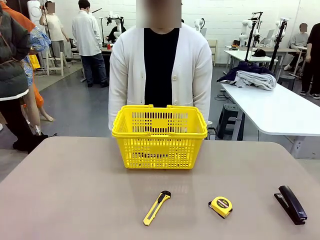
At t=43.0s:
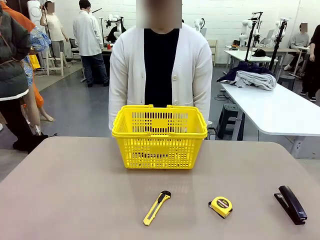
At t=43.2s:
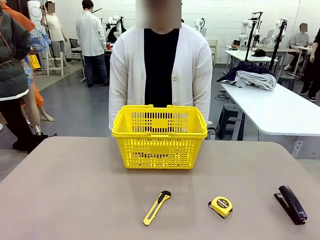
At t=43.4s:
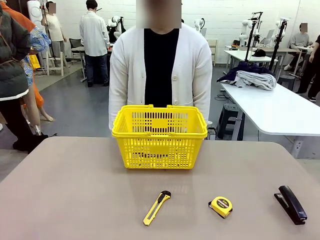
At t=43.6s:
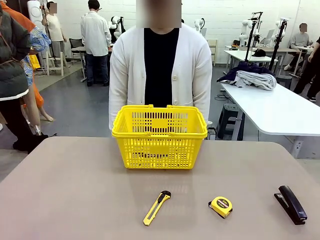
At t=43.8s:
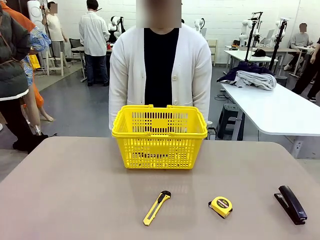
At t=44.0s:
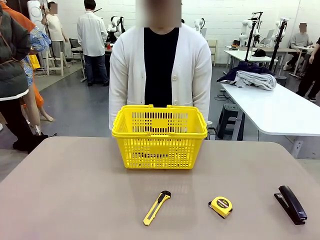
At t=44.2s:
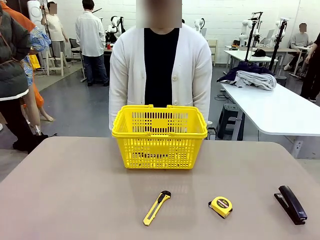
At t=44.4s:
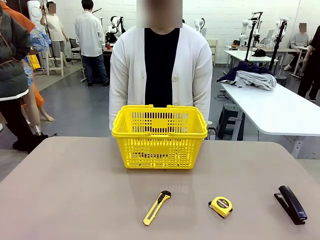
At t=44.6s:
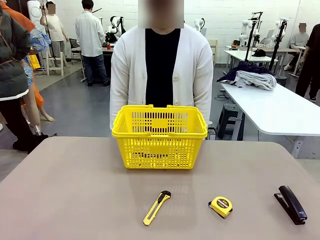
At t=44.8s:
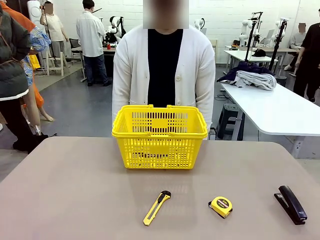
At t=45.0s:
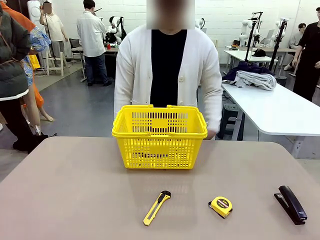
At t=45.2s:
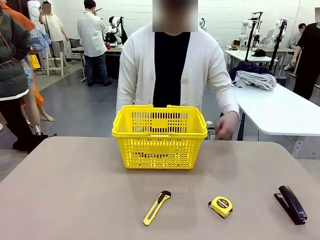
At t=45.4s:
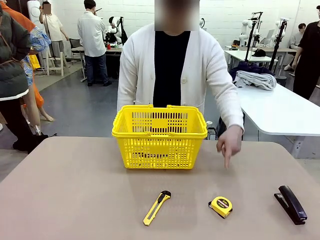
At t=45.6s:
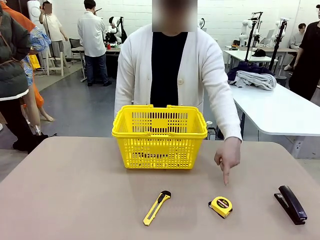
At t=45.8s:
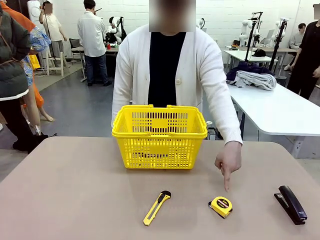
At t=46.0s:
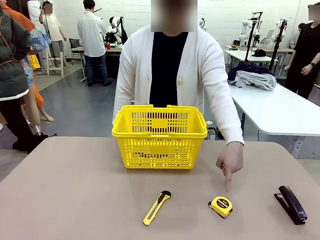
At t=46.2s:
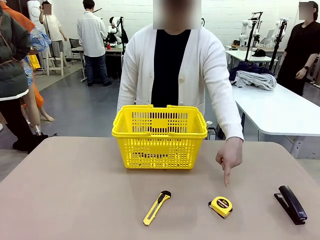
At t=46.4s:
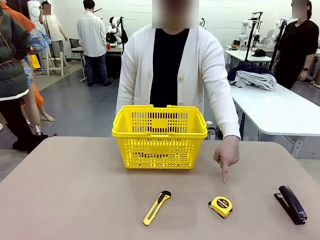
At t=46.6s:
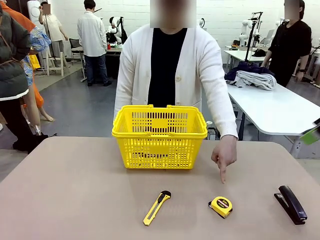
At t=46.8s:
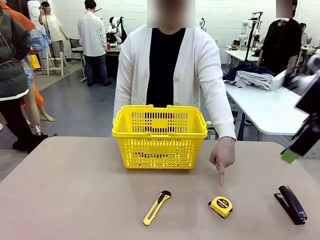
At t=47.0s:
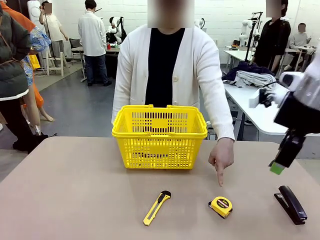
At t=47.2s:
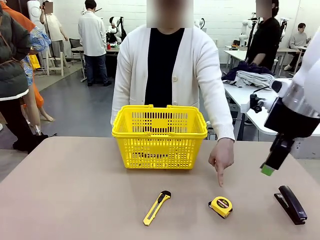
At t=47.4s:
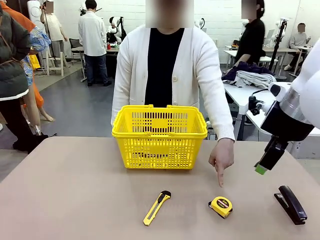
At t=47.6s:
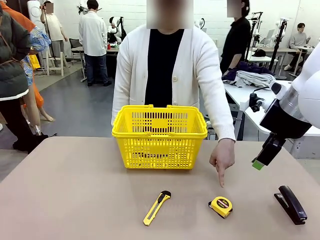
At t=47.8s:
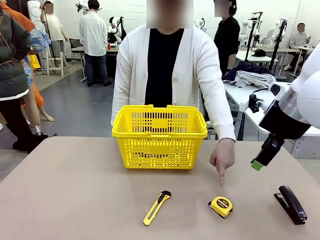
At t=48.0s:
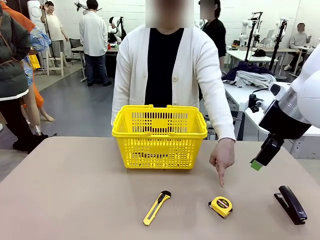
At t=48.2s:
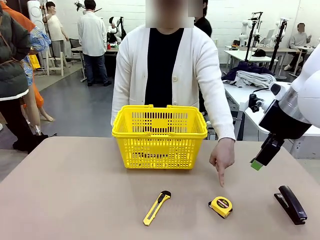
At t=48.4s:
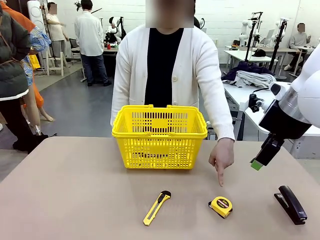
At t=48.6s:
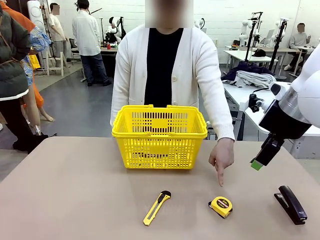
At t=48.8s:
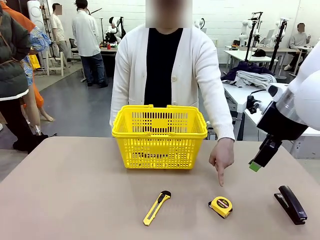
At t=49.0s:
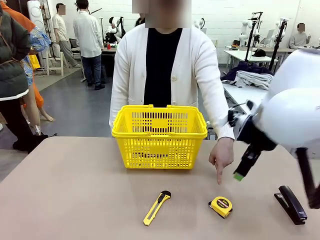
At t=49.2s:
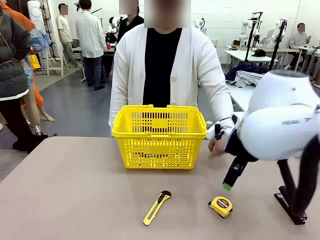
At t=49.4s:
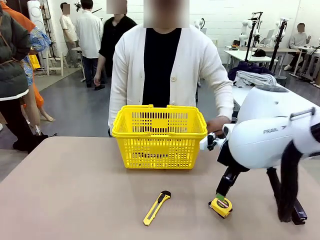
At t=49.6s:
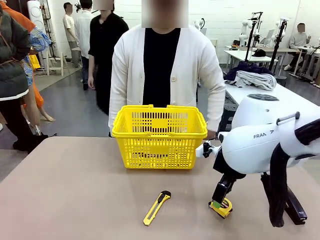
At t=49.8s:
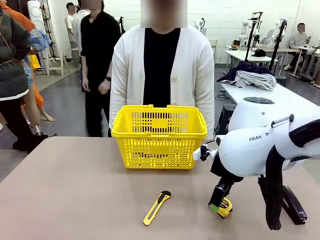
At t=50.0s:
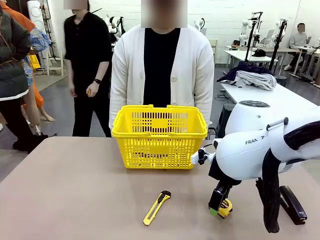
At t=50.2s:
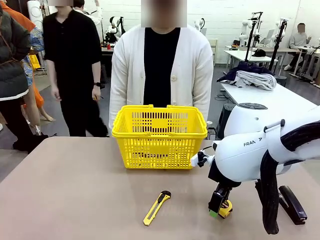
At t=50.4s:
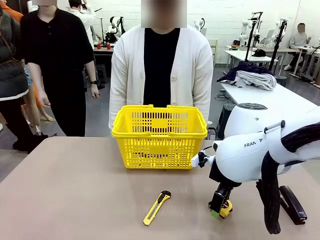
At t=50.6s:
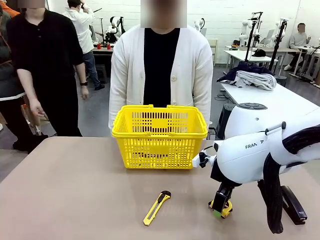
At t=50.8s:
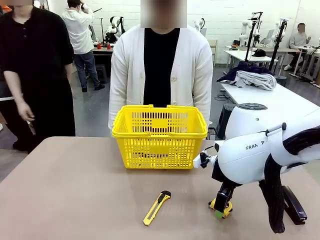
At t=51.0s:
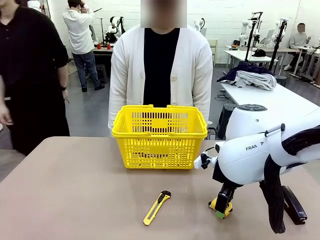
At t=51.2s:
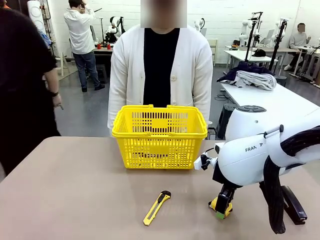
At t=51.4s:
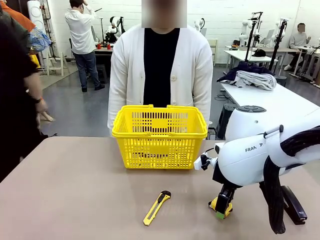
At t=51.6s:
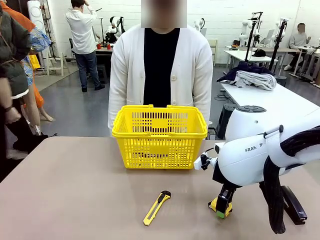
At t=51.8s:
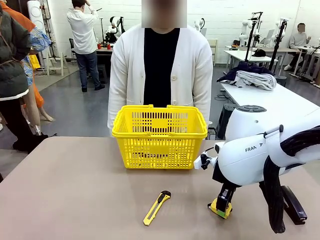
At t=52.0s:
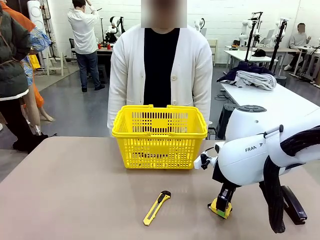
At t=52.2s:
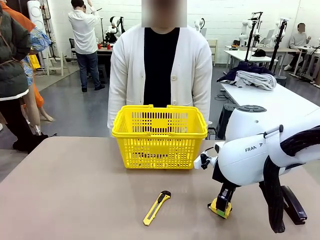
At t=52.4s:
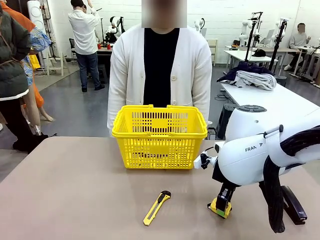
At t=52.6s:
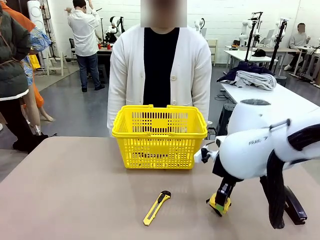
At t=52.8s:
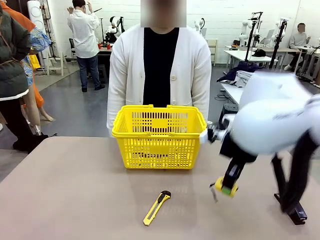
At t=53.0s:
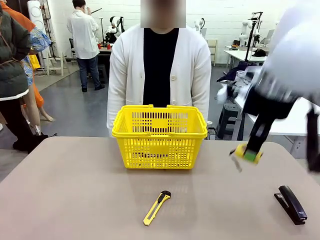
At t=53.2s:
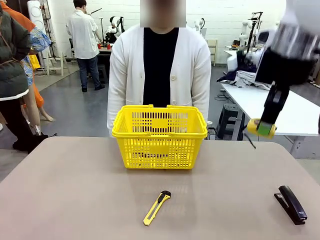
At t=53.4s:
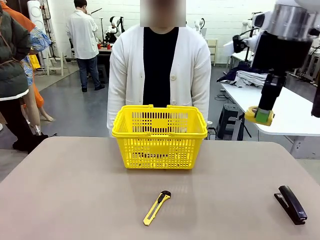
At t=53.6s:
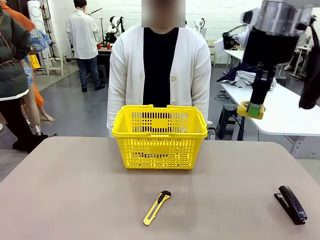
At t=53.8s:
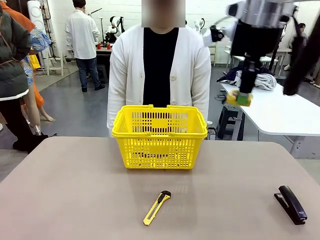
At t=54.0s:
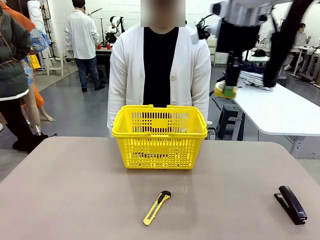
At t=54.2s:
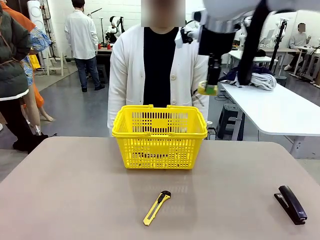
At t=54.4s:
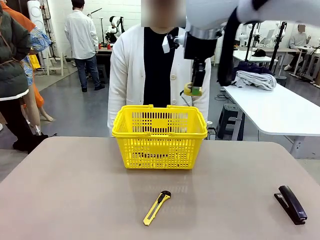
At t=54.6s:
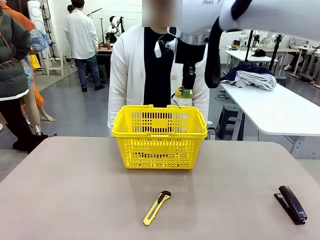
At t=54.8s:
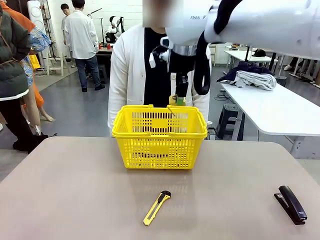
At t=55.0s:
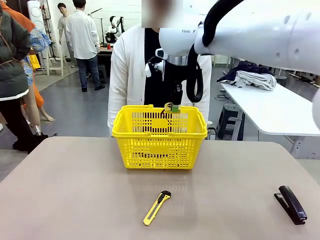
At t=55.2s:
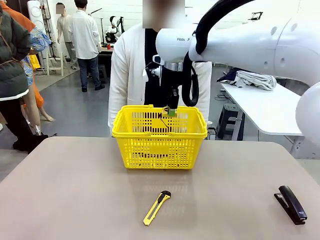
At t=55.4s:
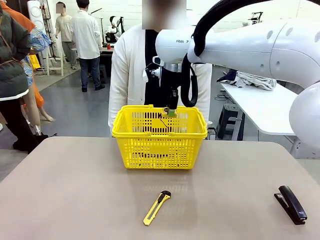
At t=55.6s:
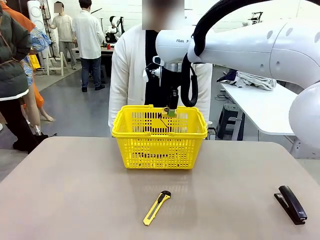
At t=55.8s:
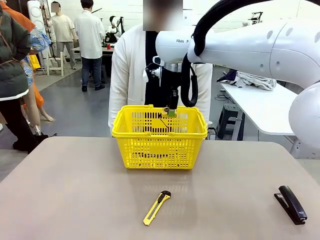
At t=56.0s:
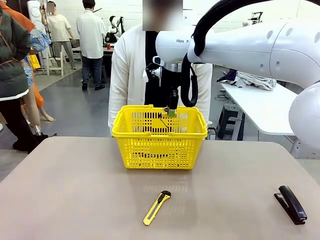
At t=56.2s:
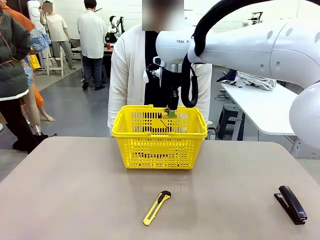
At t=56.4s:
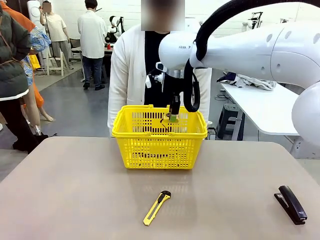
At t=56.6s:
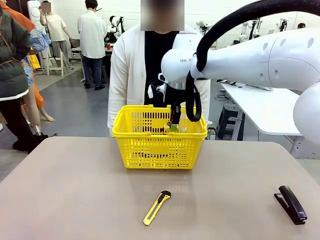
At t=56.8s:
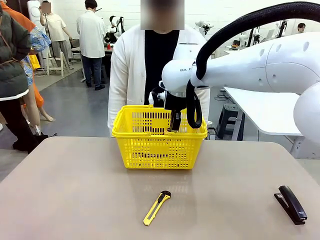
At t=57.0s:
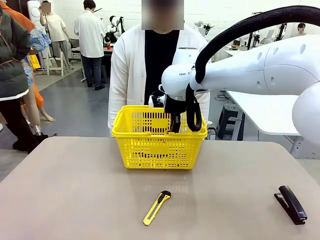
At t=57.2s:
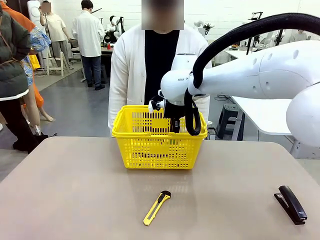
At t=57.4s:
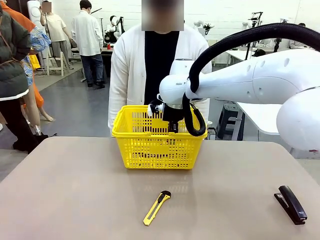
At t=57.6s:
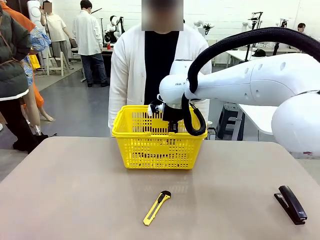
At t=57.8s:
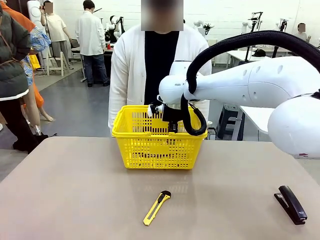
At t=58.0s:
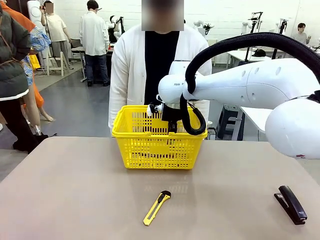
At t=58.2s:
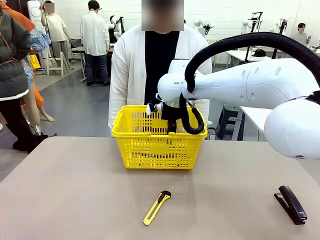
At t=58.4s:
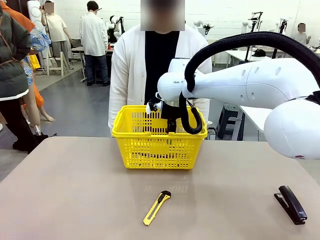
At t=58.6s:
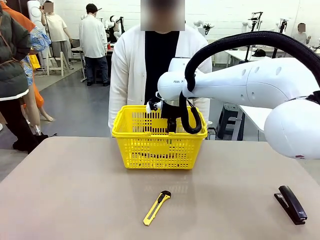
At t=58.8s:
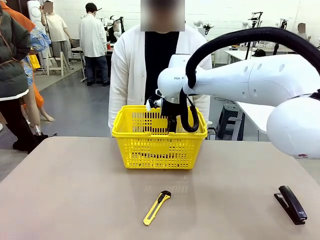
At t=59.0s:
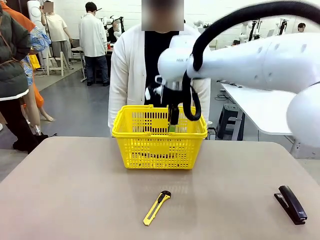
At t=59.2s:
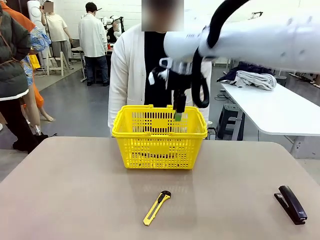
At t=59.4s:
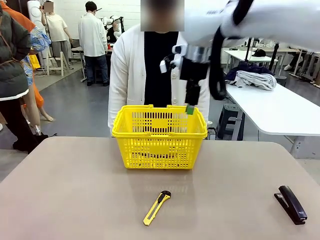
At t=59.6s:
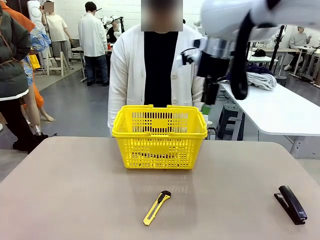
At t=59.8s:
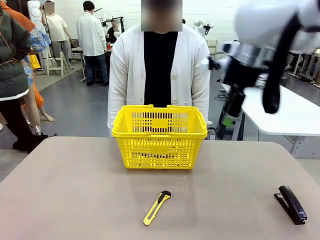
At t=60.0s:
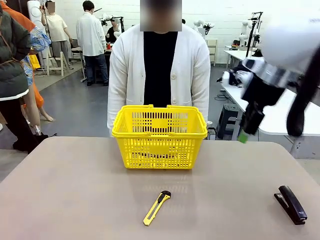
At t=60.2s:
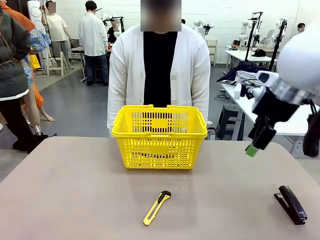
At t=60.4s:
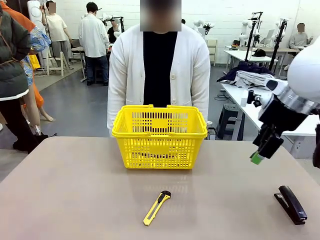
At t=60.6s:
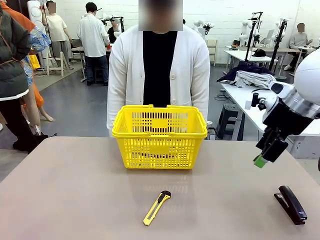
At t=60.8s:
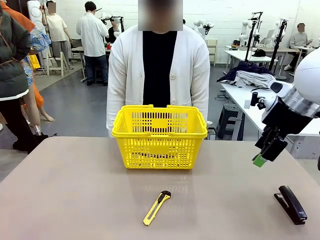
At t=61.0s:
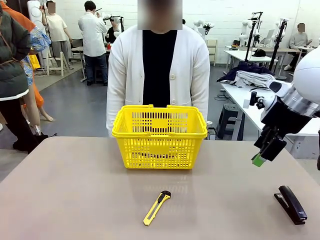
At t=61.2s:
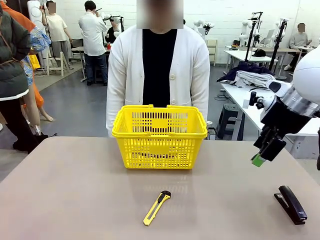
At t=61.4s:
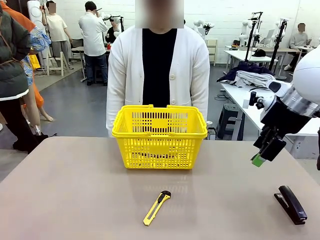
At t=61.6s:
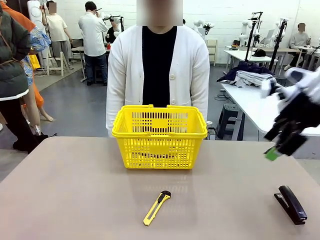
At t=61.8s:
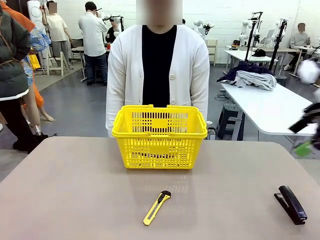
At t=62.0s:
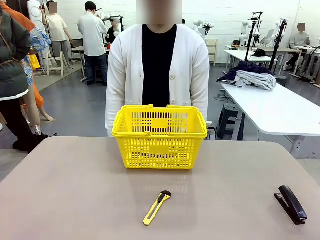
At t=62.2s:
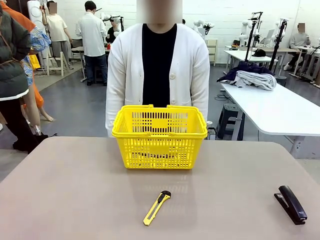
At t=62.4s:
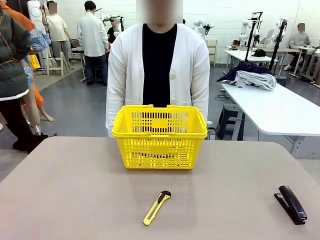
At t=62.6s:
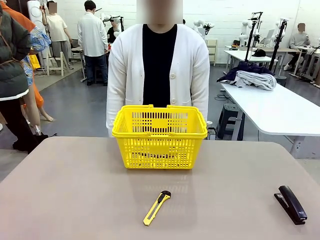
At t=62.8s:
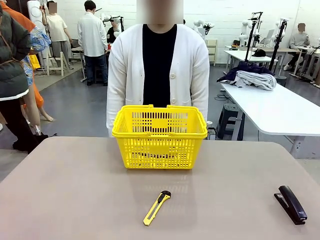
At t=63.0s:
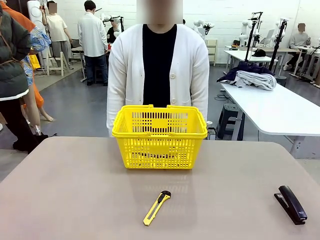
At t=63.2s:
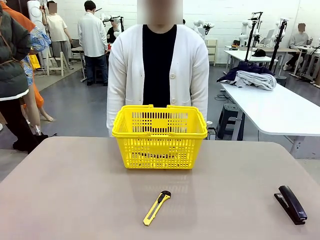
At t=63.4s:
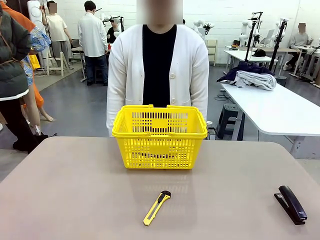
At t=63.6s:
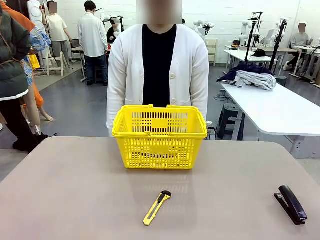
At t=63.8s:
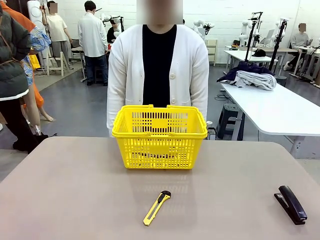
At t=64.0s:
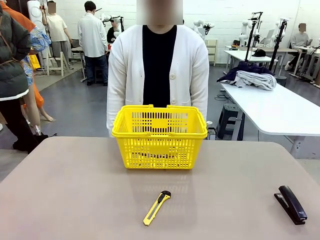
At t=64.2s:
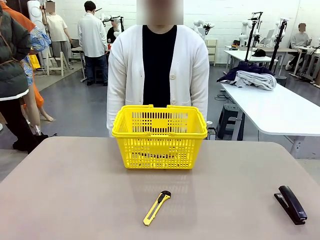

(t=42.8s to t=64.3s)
Task: Place the items the person wants into the basket.
Robot: Pick up the item the person points to and place it in the Market Basket.
